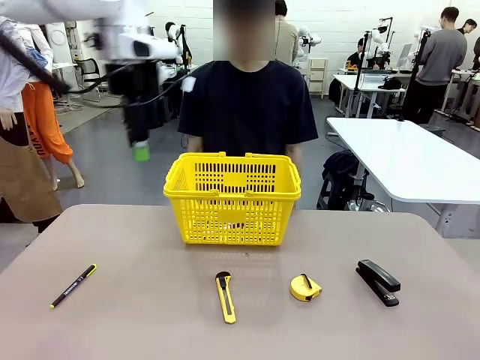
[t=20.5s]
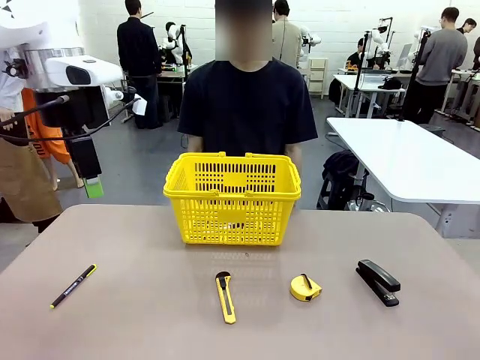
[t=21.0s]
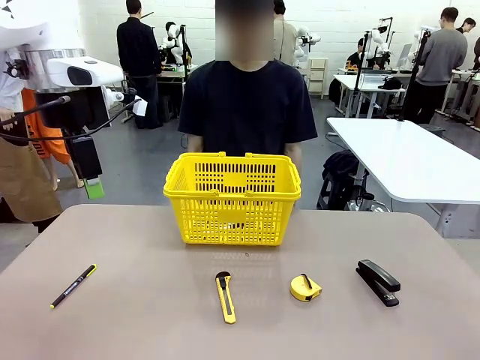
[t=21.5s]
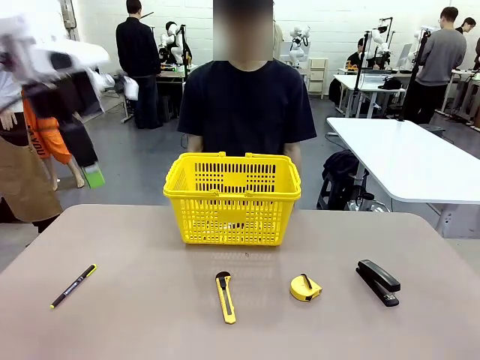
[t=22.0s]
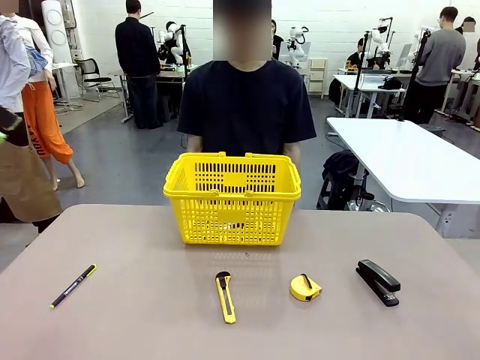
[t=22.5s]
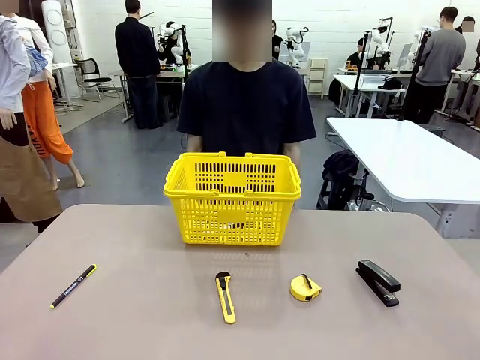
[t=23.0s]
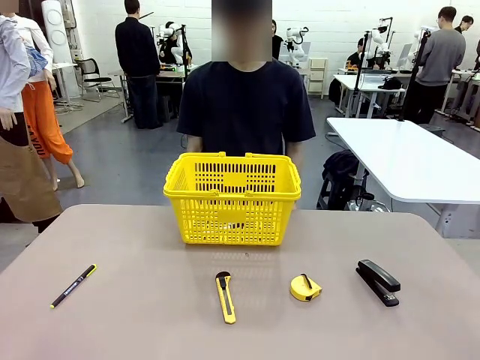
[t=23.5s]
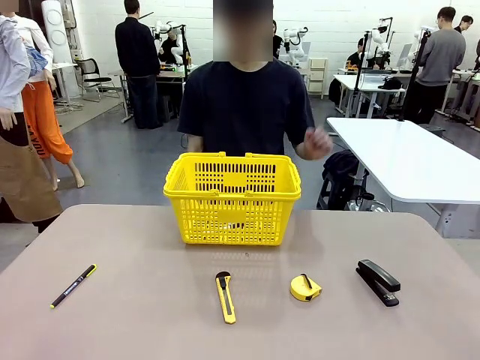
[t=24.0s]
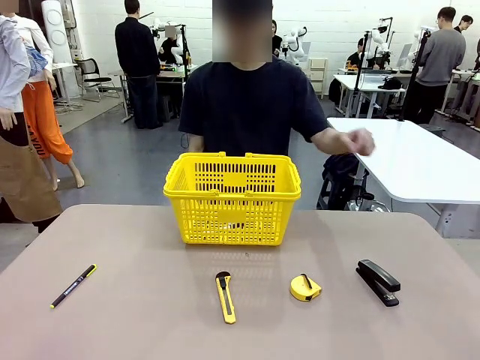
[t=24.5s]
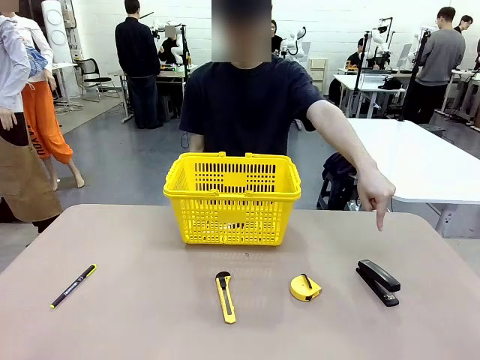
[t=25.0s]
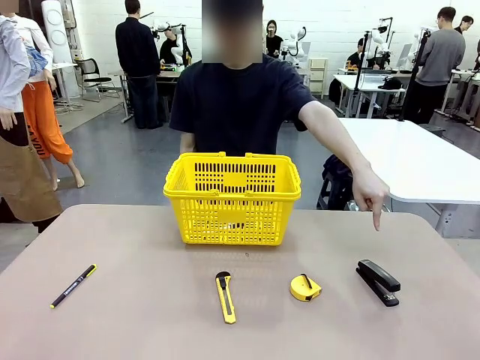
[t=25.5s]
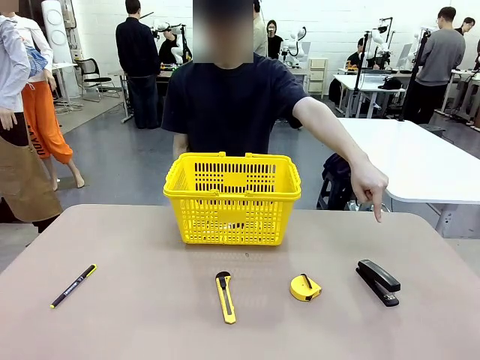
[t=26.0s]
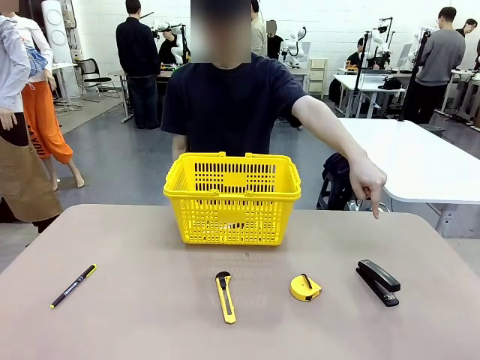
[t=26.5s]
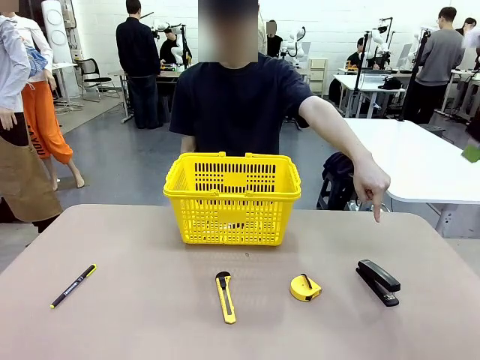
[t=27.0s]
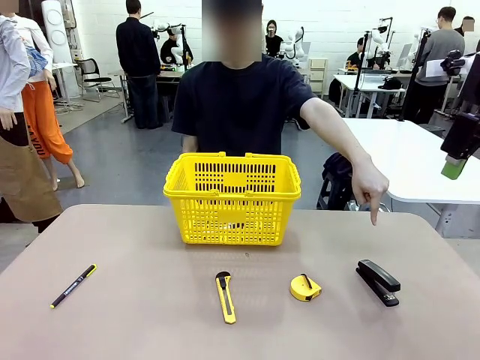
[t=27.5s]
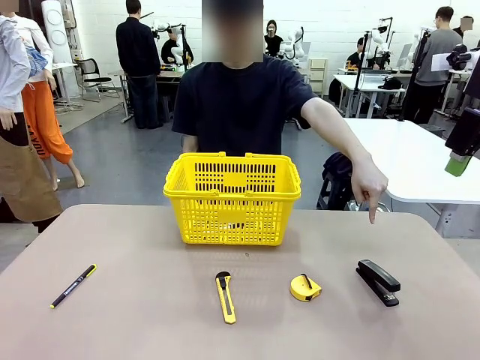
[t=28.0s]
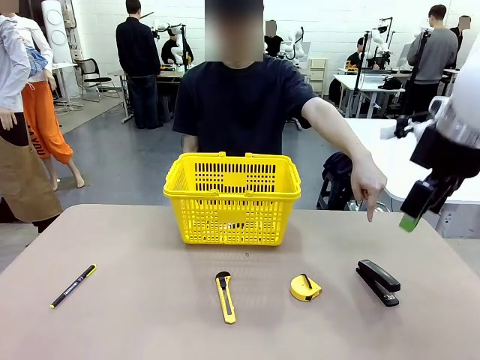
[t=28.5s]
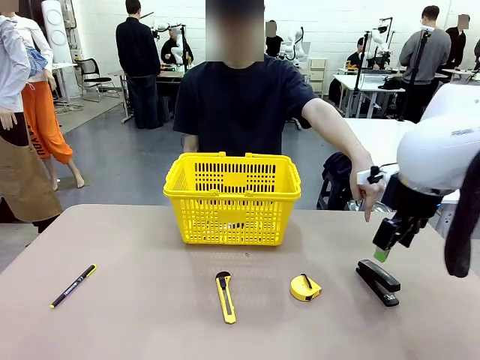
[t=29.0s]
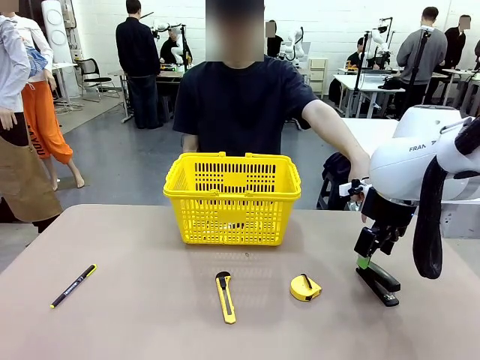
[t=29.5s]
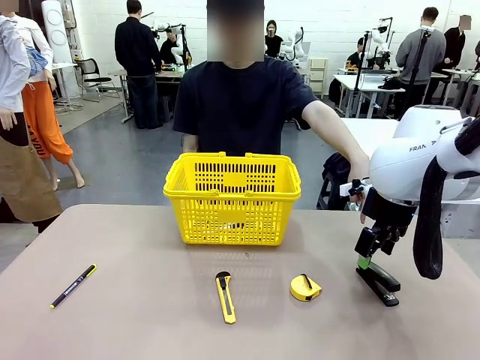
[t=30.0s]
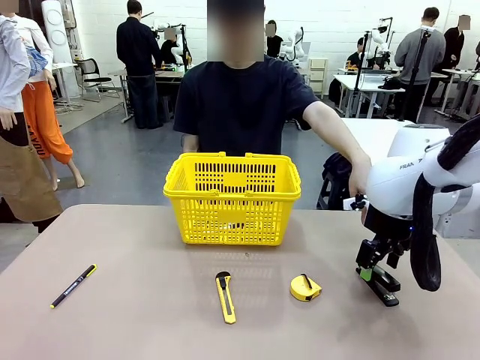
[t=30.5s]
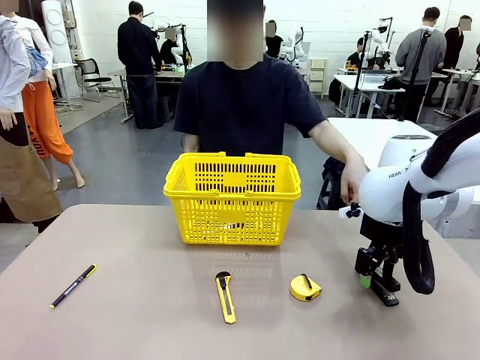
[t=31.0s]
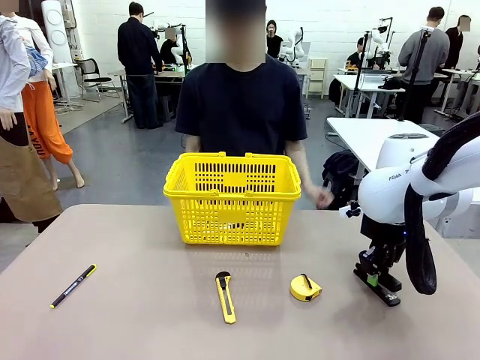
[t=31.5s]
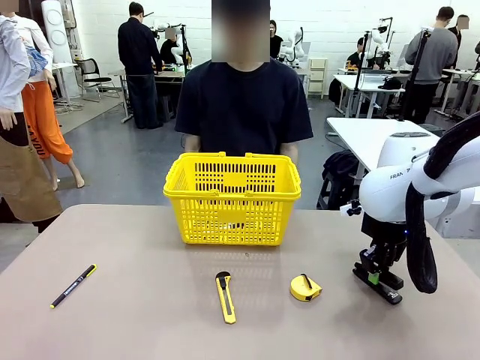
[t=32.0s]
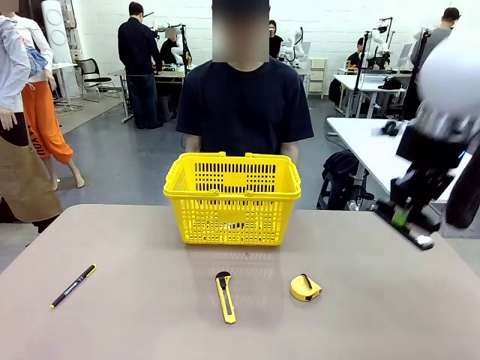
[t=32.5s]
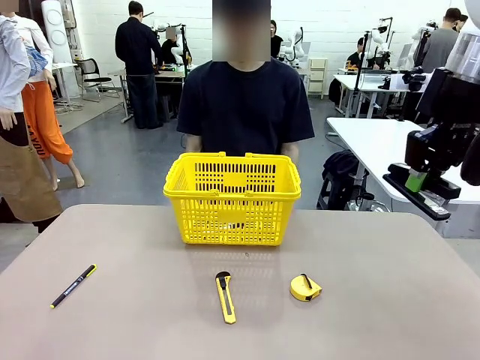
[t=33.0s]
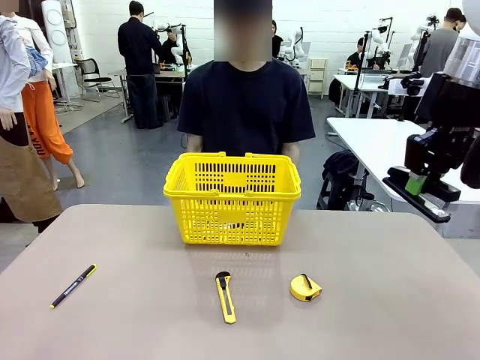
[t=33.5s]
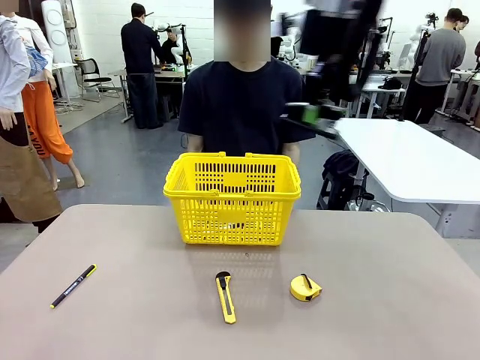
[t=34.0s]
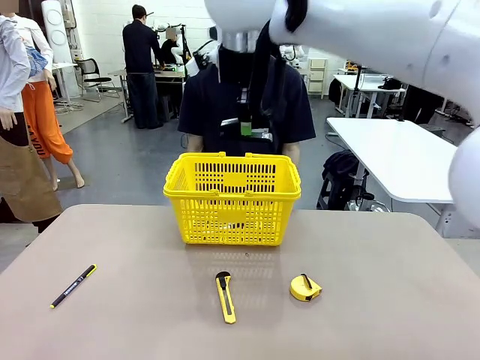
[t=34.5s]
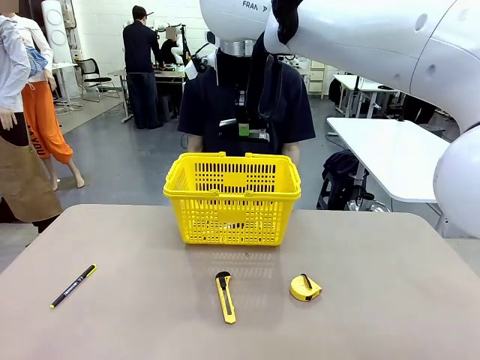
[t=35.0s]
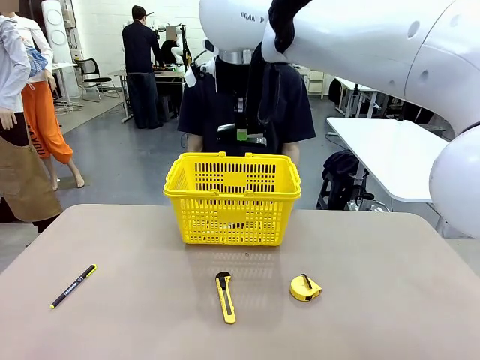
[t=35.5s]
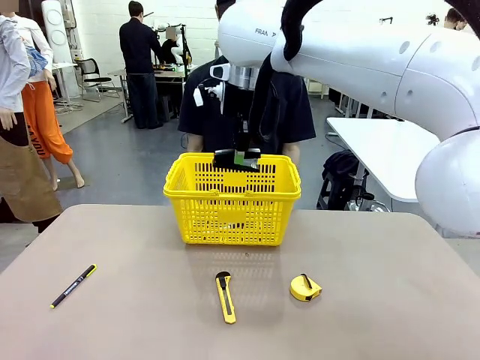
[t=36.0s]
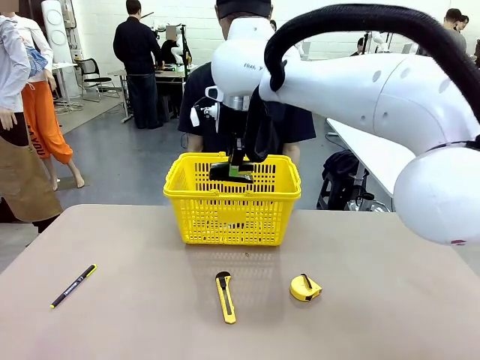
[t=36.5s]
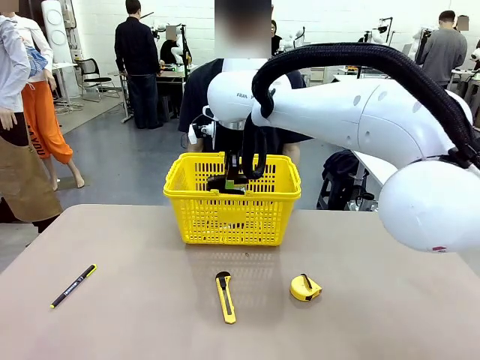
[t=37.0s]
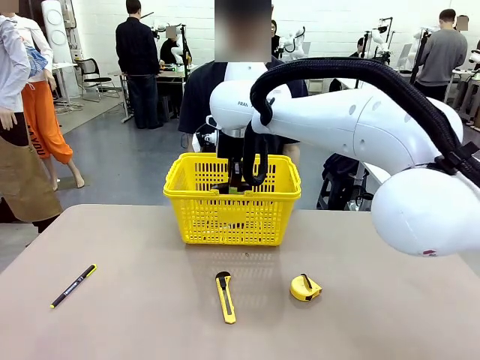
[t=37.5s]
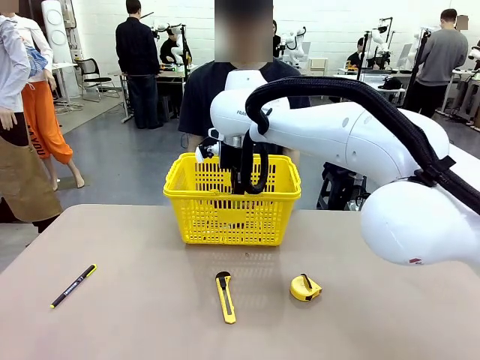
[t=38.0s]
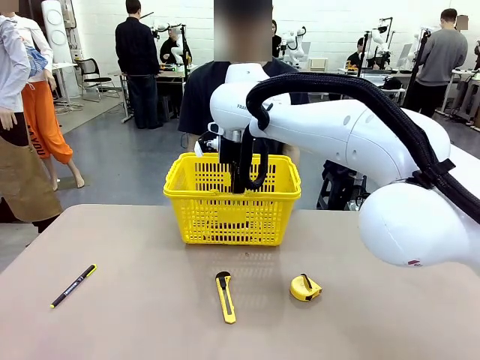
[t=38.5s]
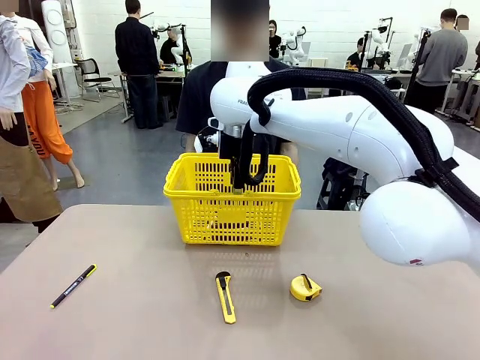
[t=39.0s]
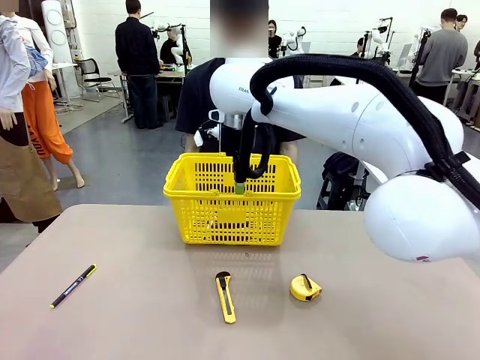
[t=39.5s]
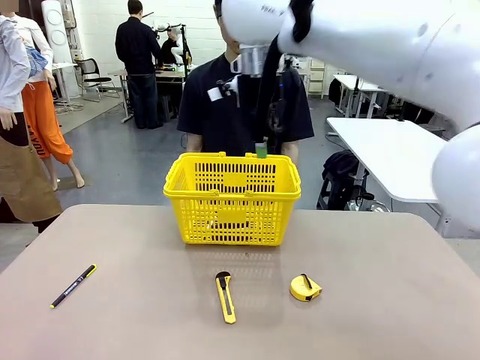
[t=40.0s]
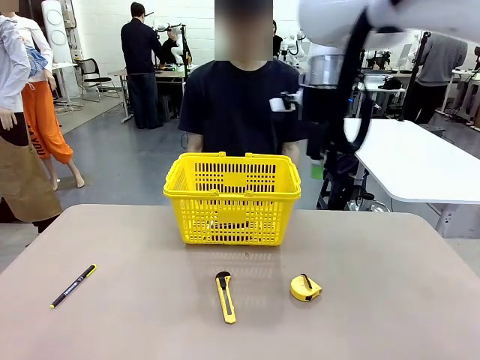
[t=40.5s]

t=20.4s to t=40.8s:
Task: Place the items the person wants into the basket.
Robot: Pick up the item the person points to and place it in the Market Basket.
